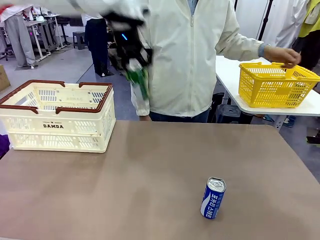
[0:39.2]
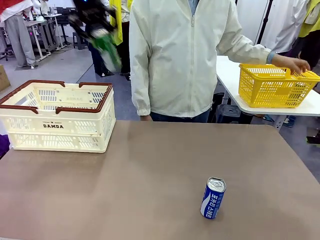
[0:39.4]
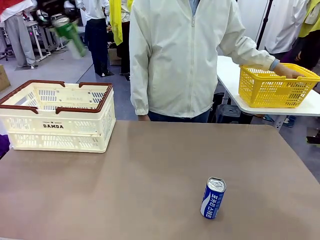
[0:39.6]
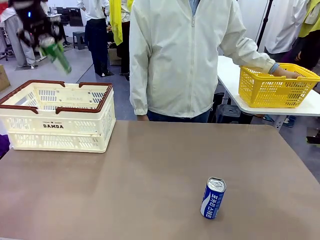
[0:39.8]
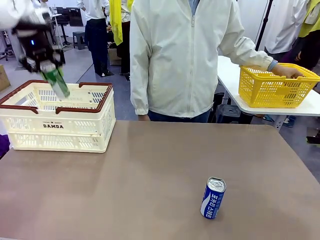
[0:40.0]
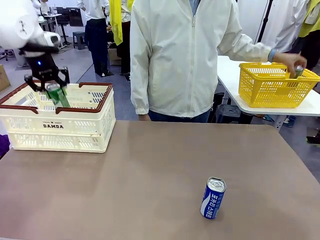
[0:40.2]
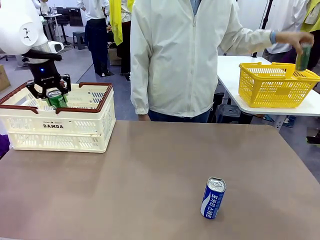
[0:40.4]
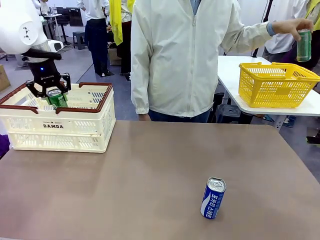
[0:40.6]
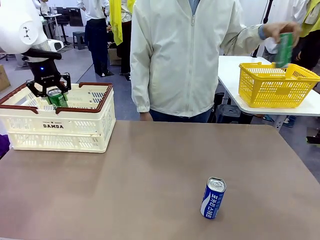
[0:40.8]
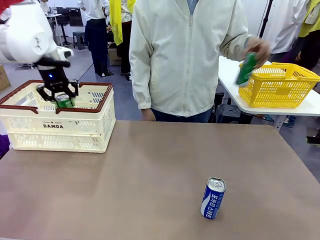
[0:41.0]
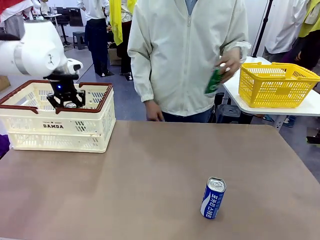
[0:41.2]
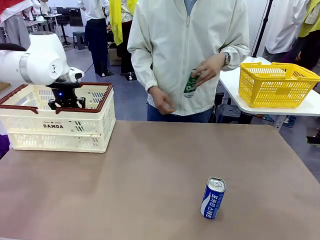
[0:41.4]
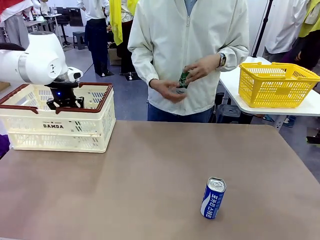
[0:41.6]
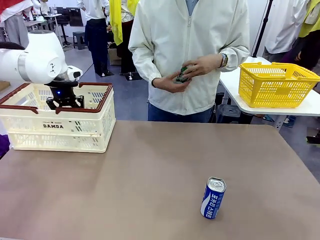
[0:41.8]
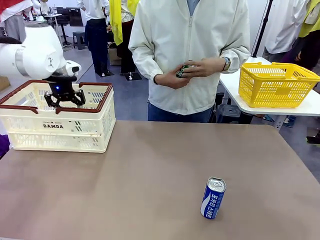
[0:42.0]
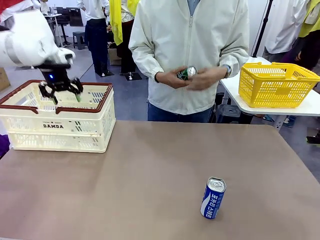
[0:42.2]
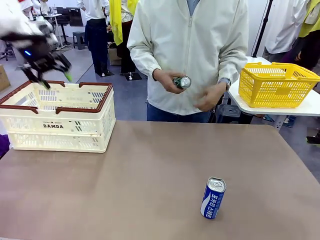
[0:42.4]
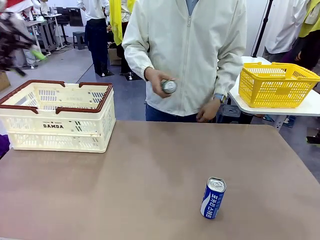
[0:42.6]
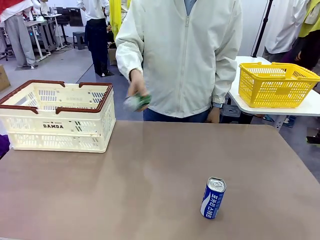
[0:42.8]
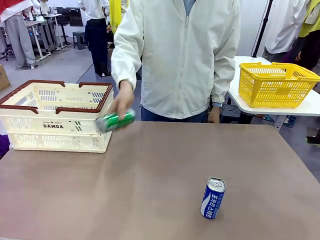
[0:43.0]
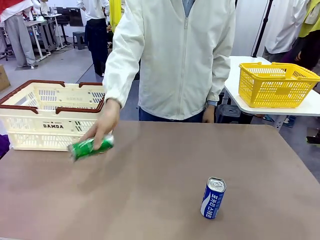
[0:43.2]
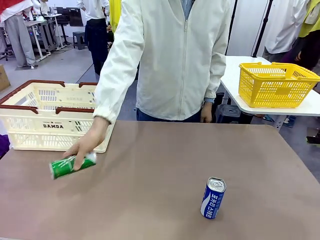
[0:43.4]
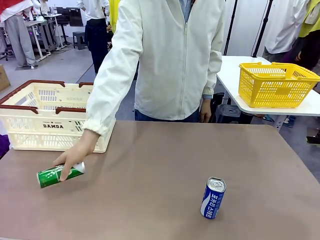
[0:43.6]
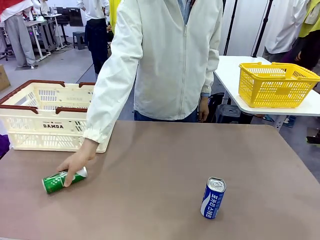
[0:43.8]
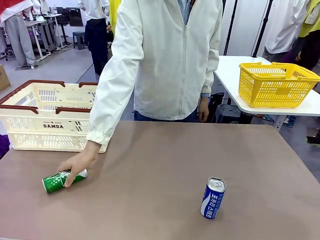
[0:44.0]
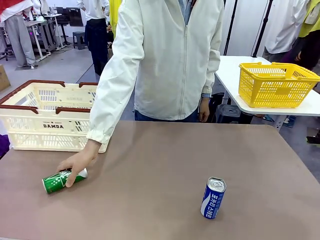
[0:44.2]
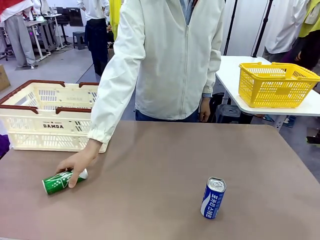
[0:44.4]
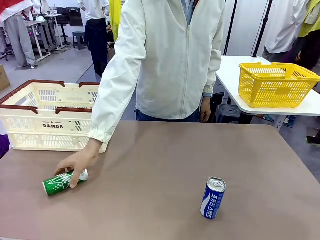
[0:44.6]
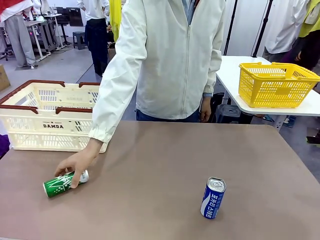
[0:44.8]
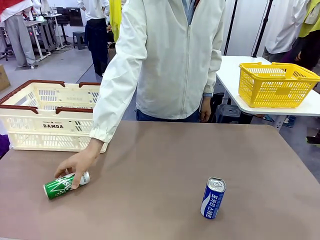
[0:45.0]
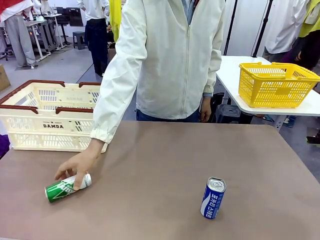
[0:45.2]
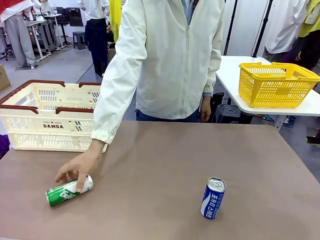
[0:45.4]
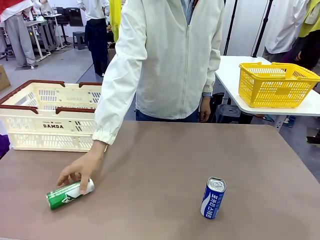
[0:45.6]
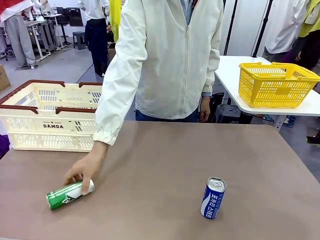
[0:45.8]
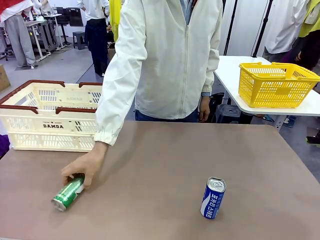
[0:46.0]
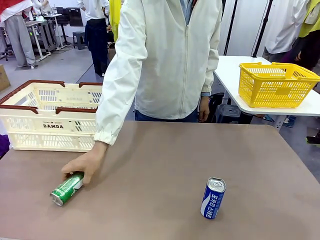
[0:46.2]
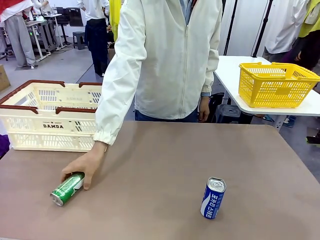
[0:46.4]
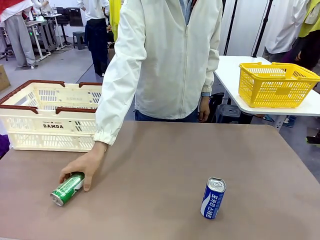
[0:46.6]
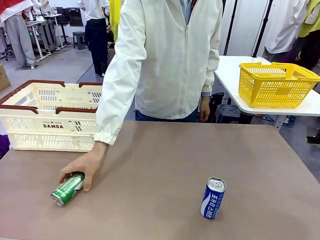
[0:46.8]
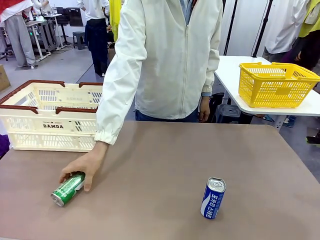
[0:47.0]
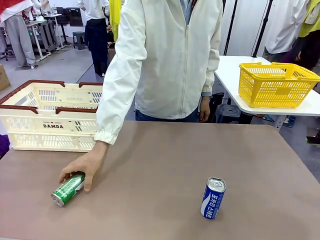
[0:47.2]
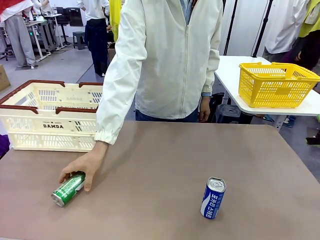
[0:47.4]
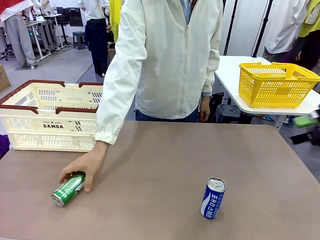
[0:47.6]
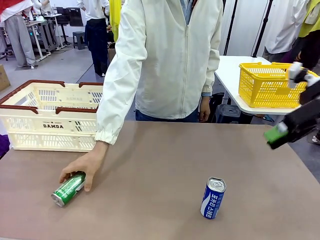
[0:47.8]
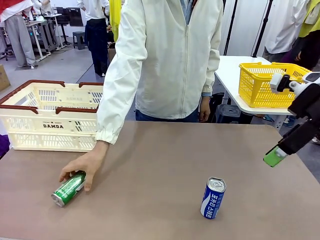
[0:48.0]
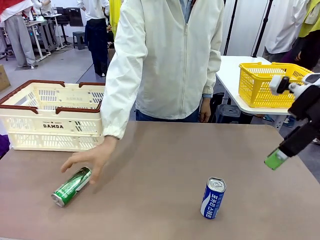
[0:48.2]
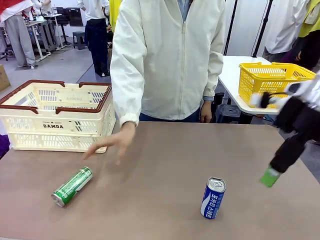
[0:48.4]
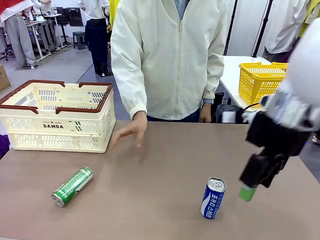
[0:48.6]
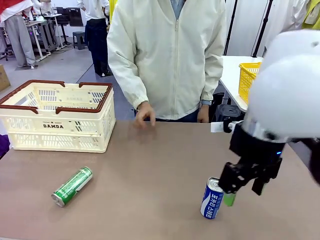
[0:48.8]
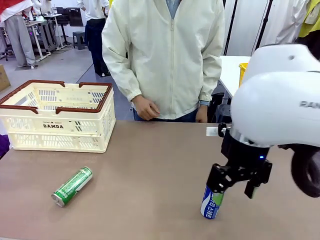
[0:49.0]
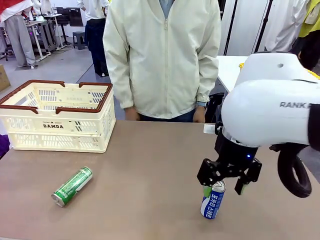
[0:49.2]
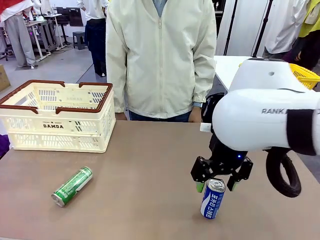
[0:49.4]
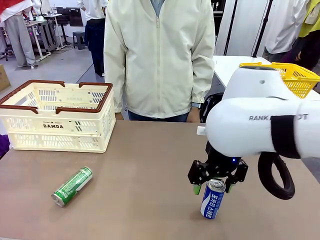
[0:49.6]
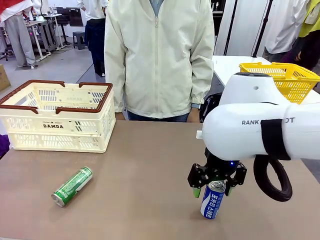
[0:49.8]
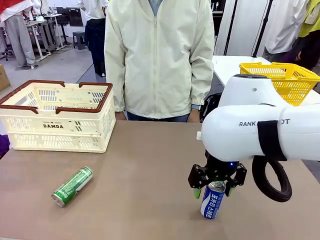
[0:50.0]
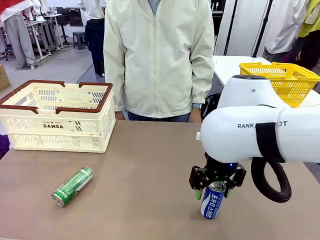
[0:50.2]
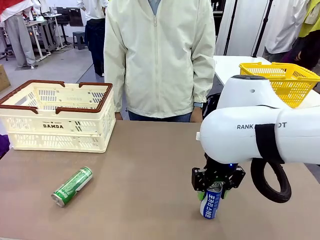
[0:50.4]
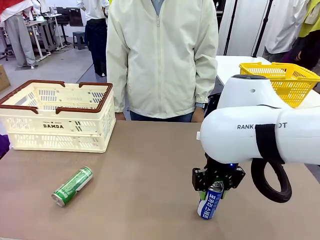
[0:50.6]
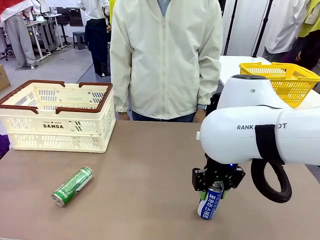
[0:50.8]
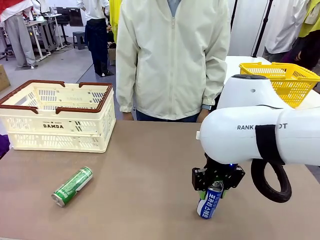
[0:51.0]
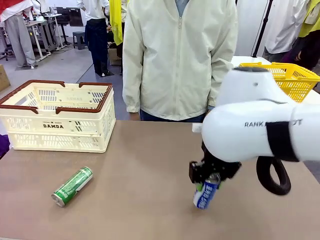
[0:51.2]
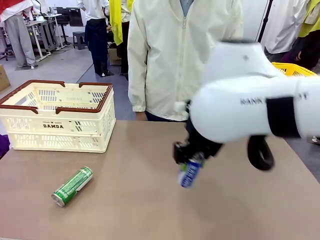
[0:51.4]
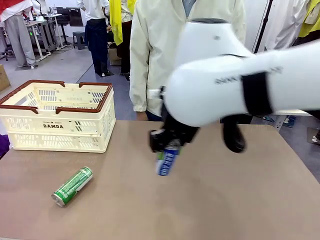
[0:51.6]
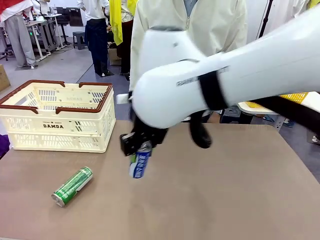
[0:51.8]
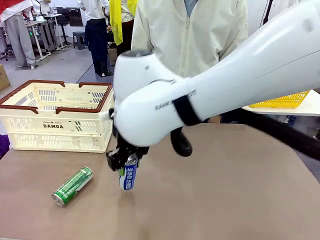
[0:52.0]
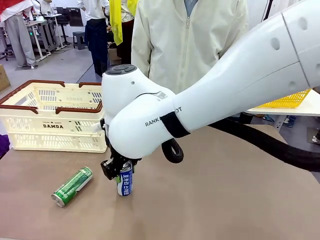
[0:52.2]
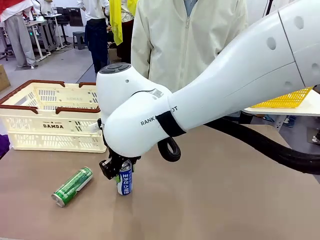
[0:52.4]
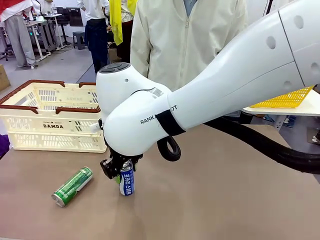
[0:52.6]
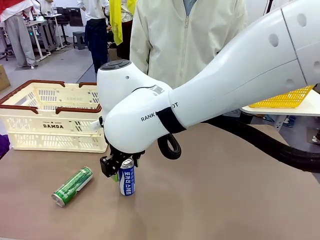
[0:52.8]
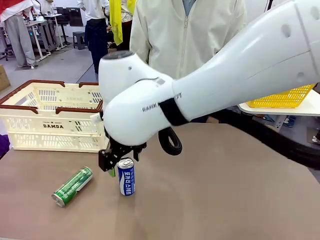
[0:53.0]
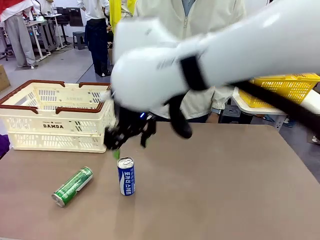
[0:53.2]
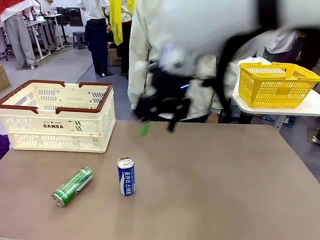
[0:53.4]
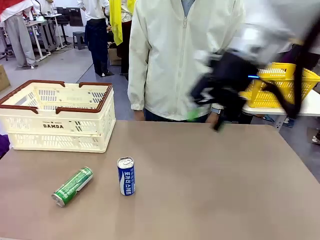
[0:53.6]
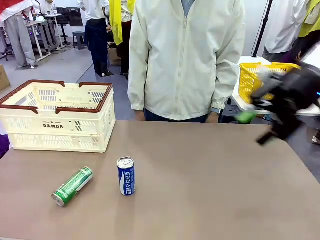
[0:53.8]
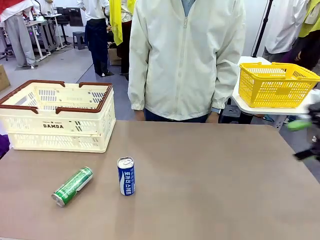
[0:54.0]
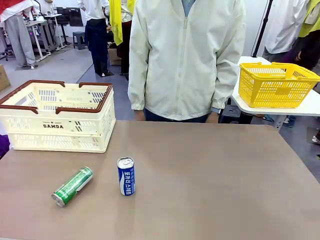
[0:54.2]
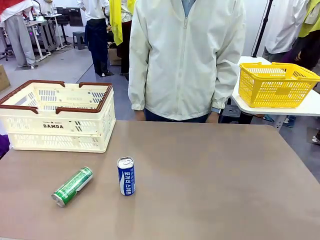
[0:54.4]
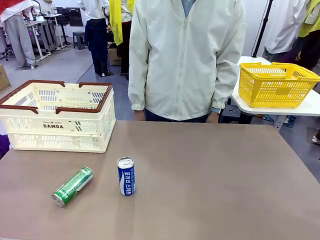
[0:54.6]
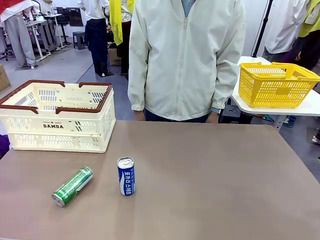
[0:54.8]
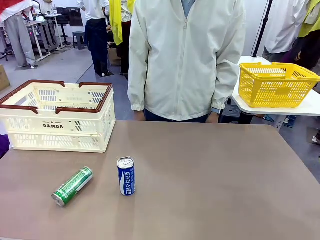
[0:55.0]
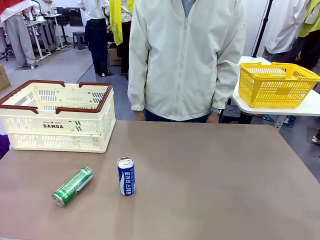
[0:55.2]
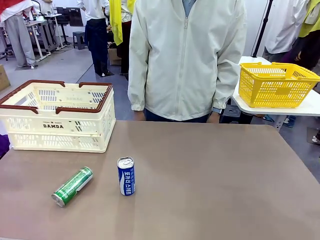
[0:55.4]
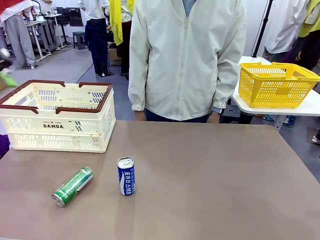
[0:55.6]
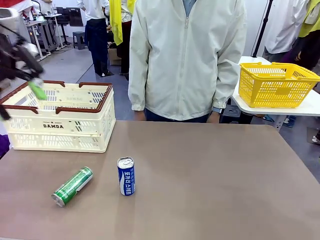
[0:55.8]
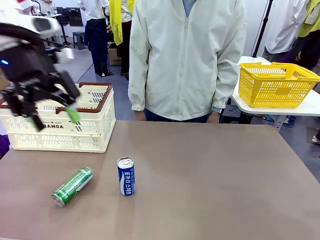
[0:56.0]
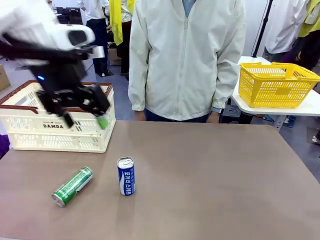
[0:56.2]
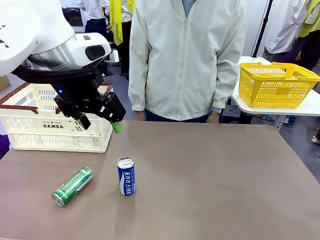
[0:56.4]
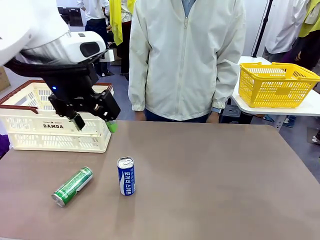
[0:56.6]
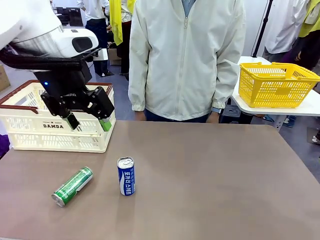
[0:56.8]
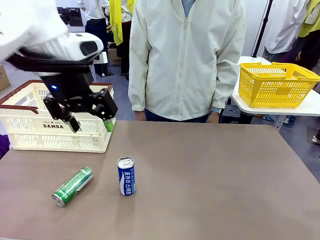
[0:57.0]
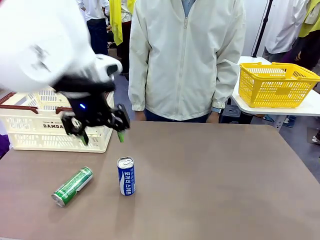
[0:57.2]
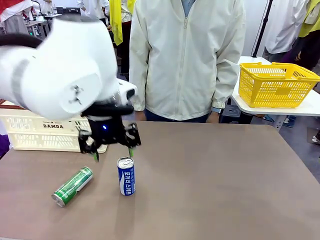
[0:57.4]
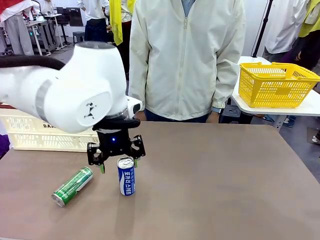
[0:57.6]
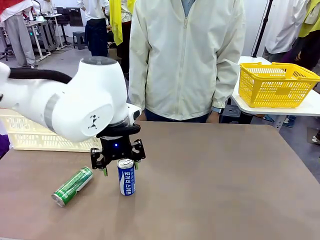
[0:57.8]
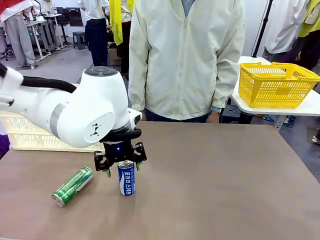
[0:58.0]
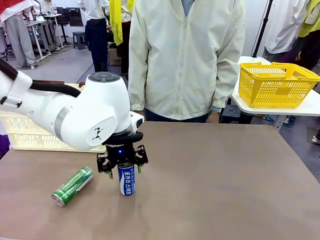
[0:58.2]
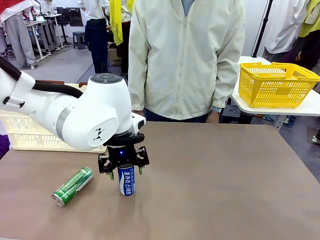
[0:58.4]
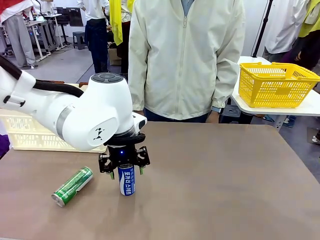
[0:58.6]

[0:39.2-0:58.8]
Task: Place the drinks into the Shopping basket.
Robot: Pick up one drink and place it into the Shopping basket.
